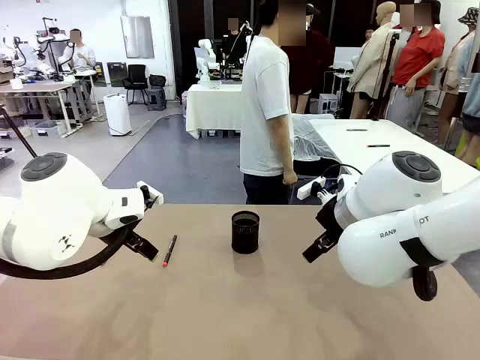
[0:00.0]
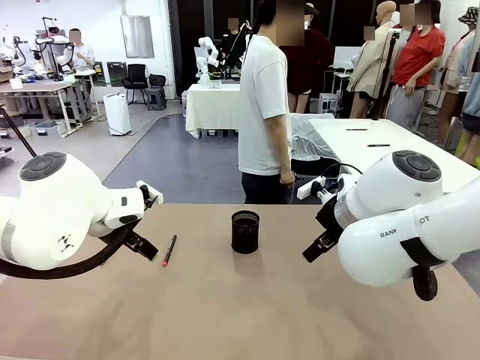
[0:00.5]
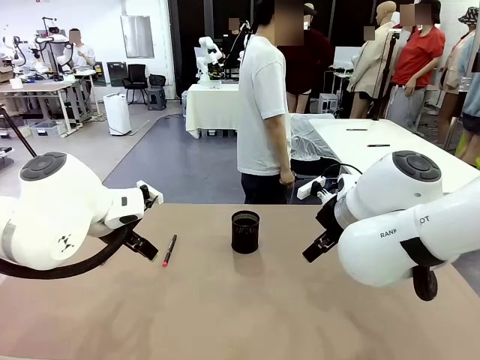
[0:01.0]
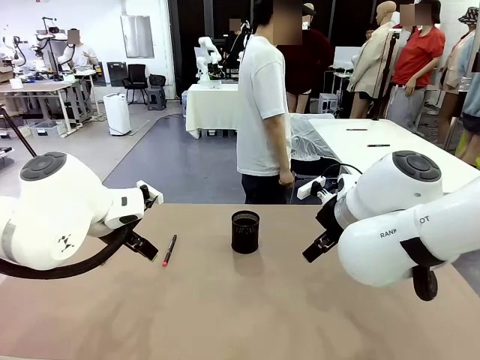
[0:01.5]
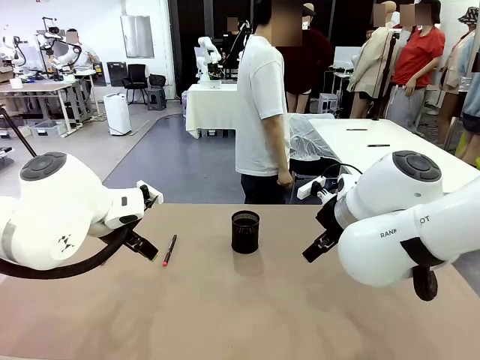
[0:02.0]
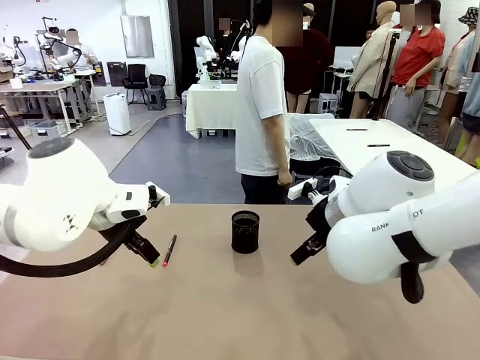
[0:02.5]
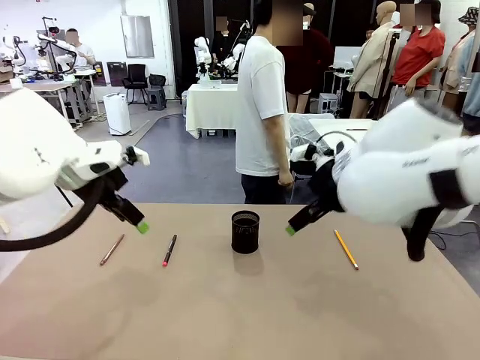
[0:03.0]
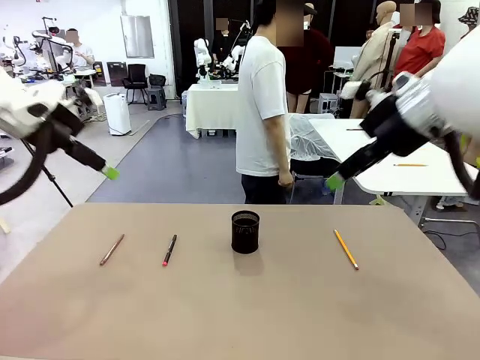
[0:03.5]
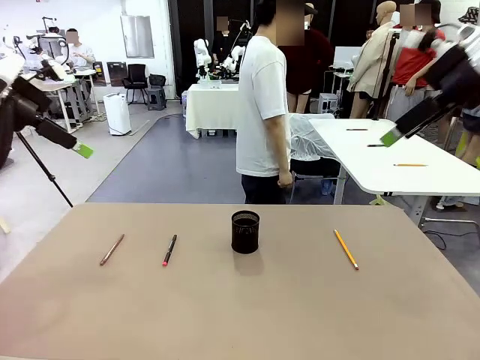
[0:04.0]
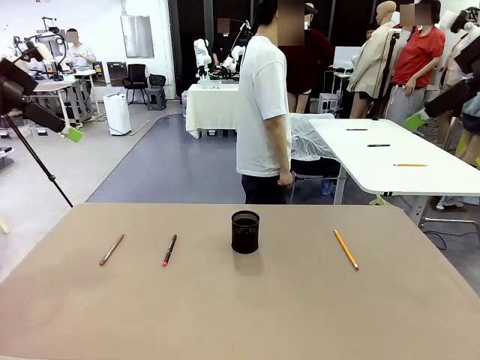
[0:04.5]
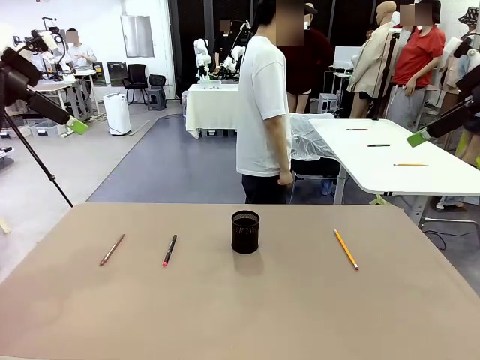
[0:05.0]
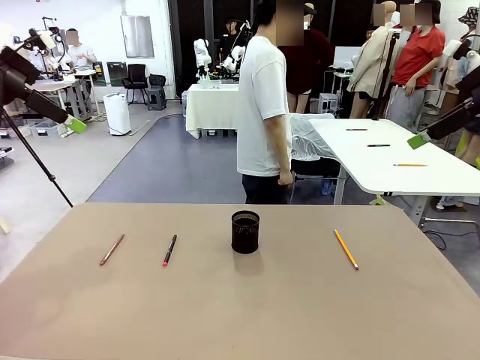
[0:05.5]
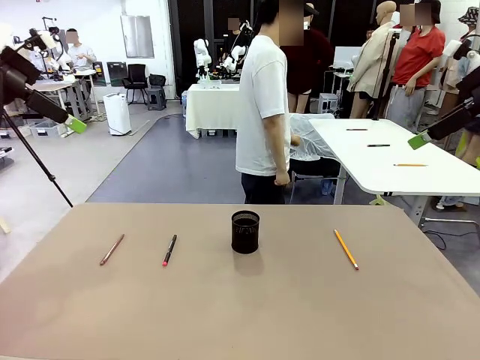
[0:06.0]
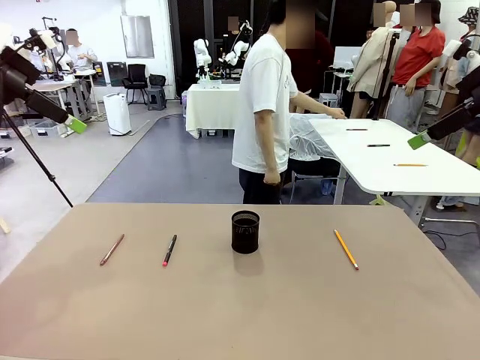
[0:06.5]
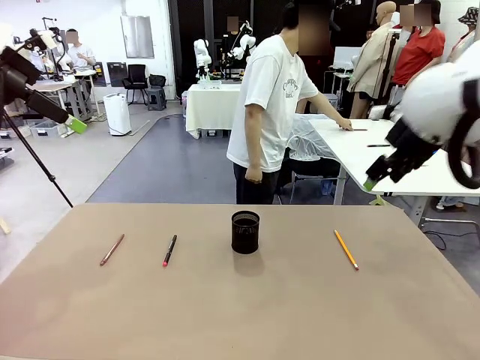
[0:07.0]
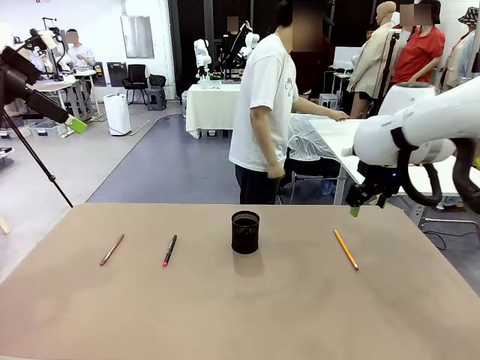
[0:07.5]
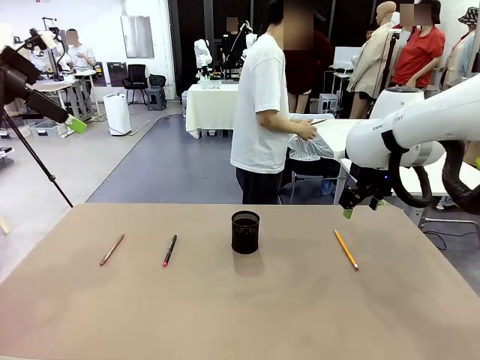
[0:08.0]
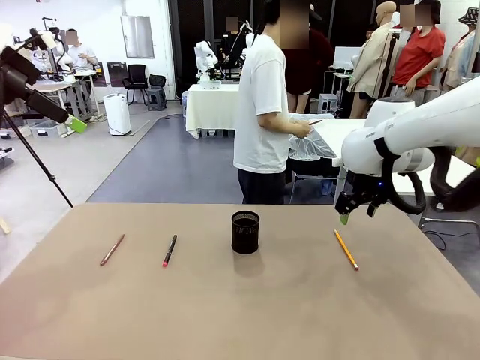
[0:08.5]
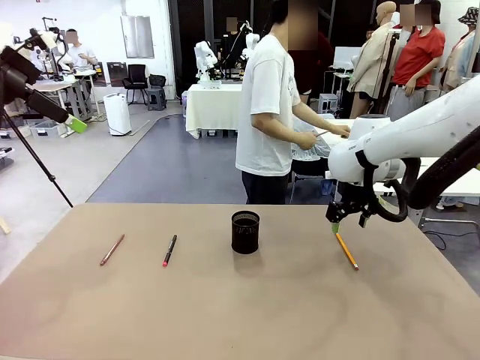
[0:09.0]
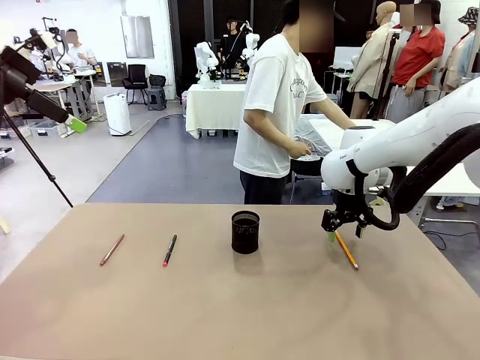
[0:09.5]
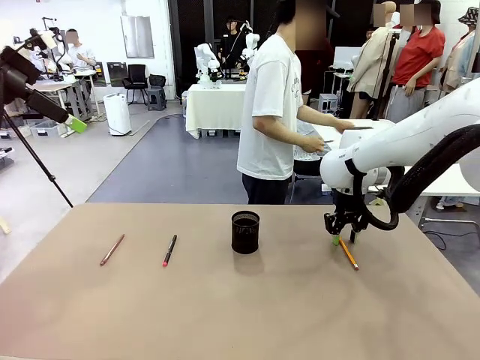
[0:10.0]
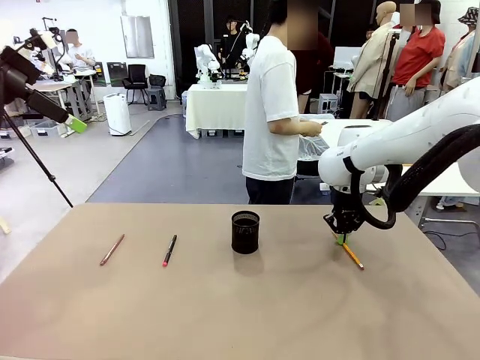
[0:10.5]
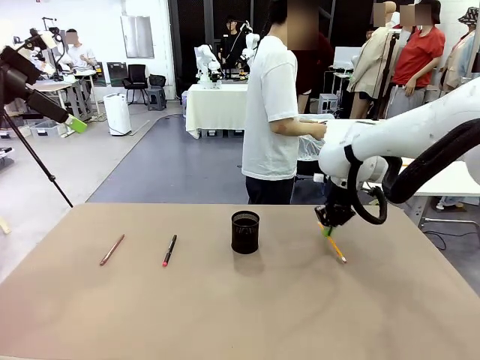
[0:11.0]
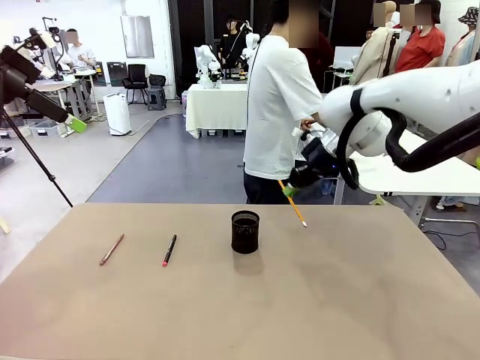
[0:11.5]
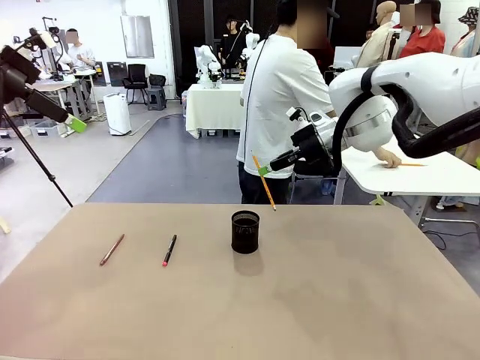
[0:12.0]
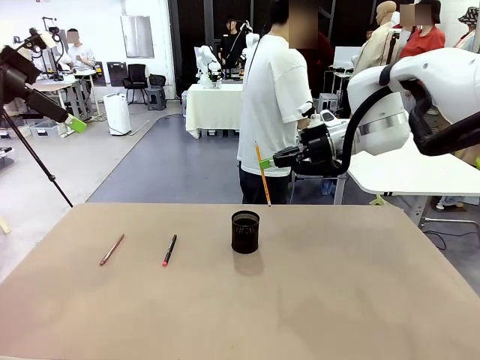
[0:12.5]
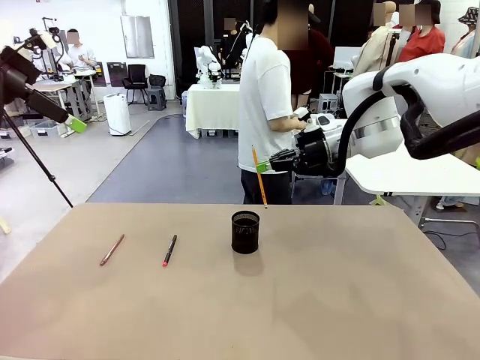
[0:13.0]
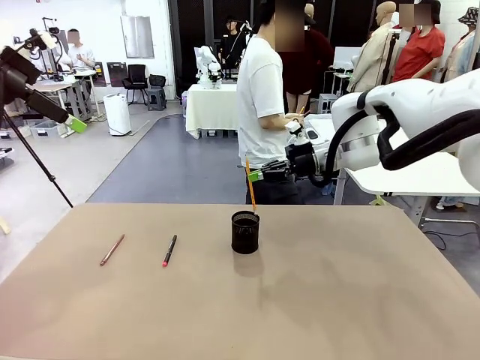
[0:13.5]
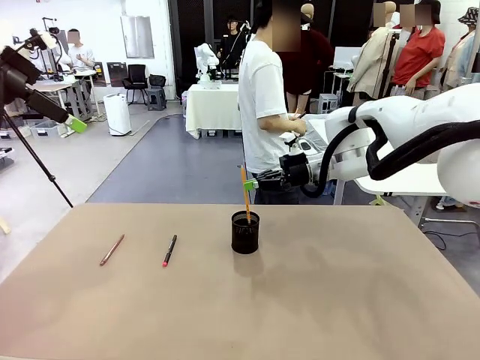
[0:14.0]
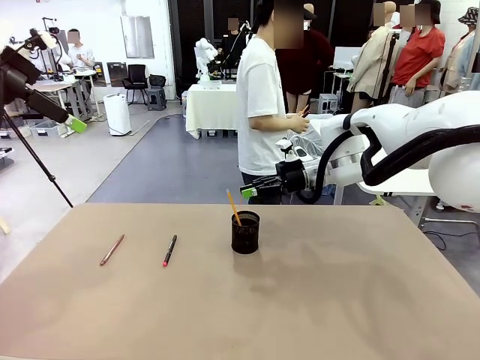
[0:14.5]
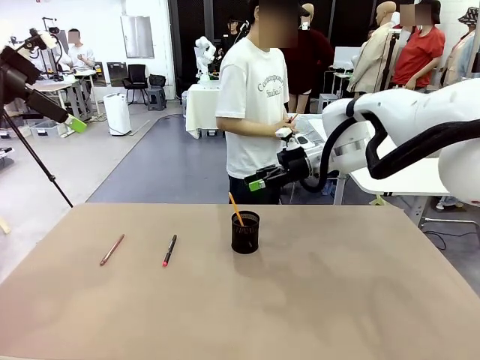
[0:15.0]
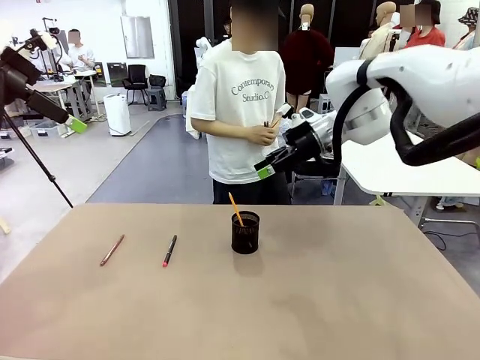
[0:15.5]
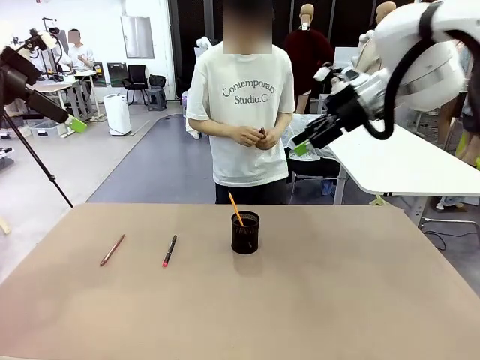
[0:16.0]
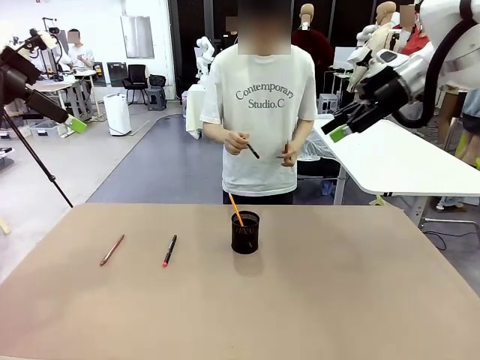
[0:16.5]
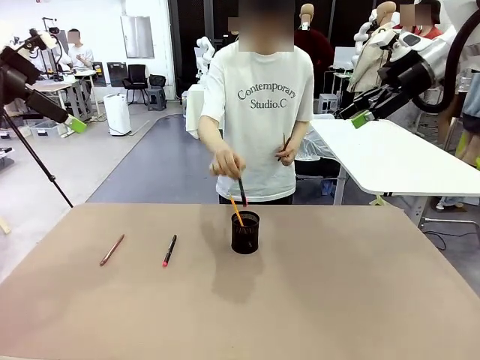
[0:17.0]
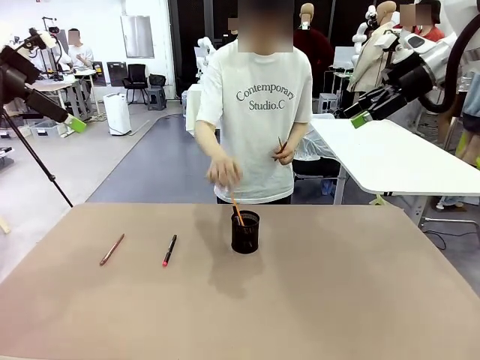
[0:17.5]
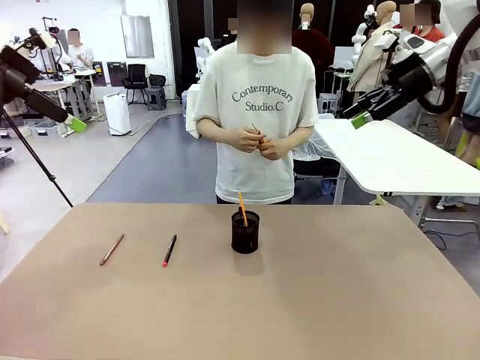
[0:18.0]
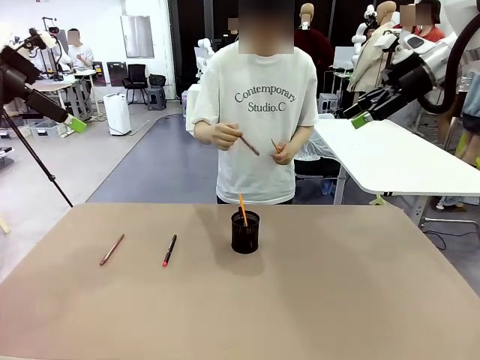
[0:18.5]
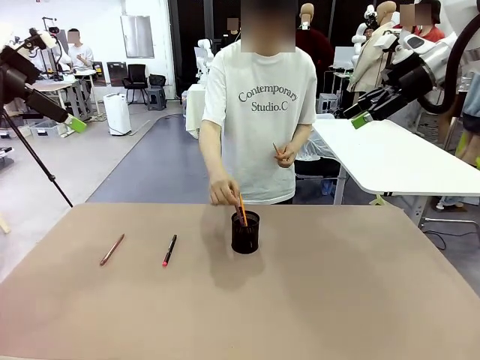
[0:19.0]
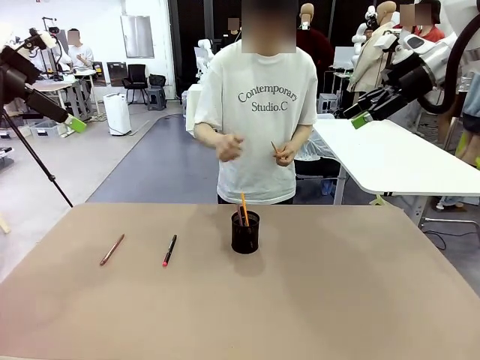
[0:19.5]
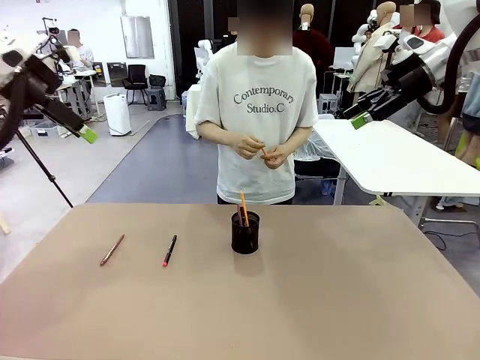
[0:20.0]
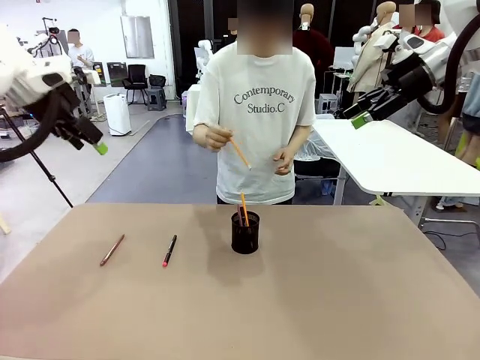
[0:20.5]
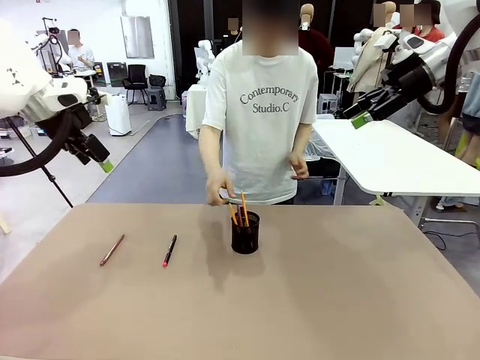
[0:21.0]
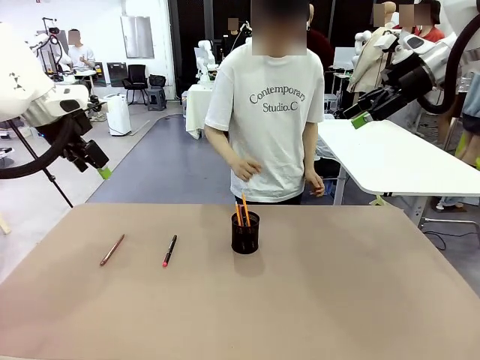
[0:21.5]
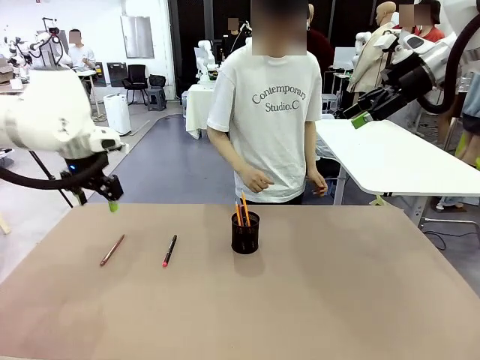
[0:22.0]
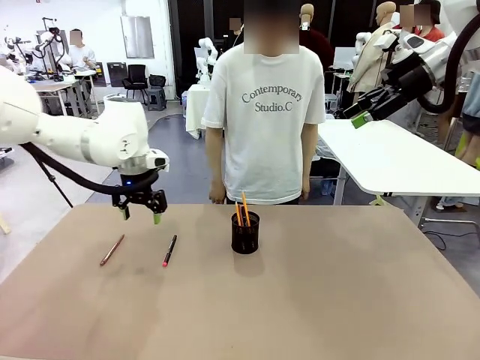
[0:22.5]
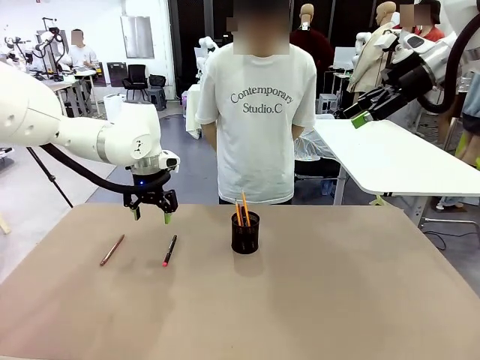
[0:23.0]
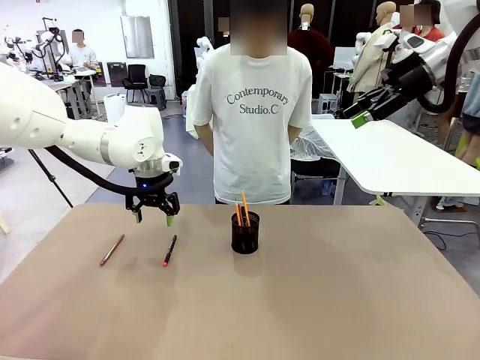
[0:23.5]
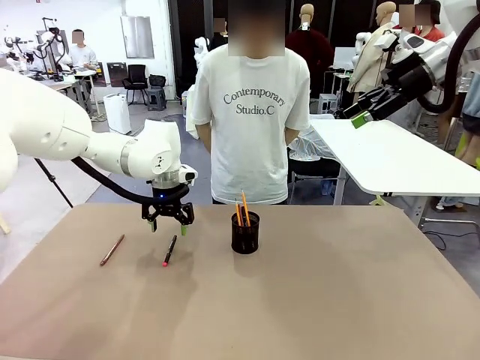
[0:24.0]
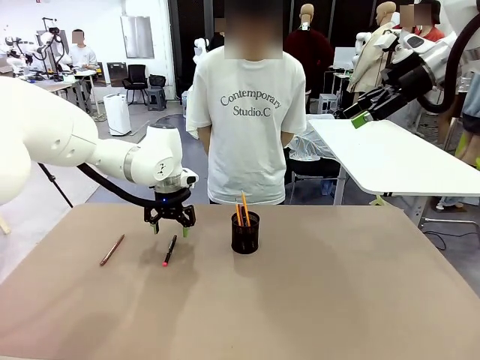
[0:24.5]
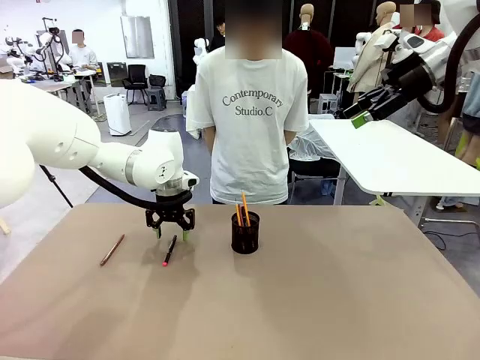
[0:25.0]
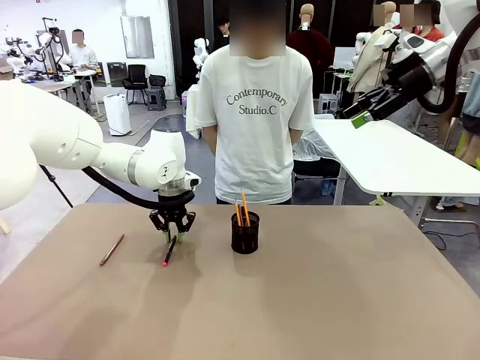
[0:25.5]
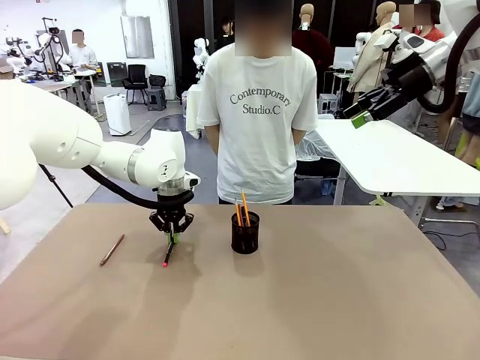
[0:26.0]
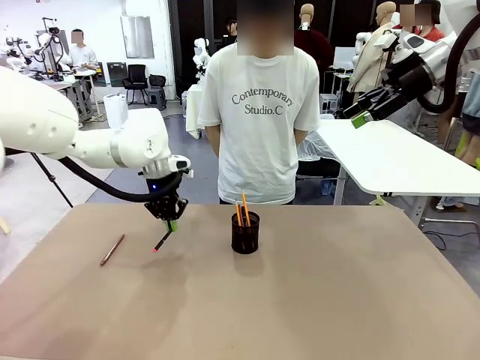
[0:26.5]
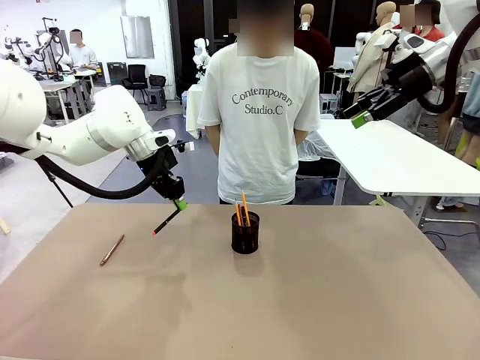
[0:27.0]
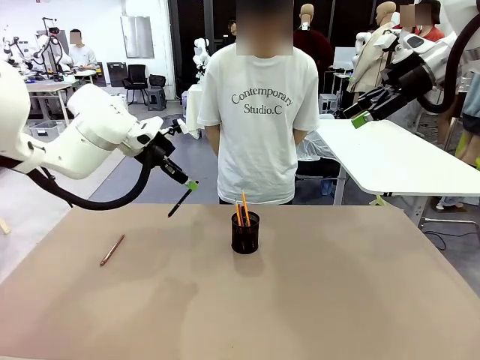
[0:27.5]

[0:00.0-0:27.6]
Task: Place the pens into the pen holder.
Robot: Pick up a writing instrument from the table and place it into the Pen holder.
Person: Pick up all writing instruments from the Human table.
